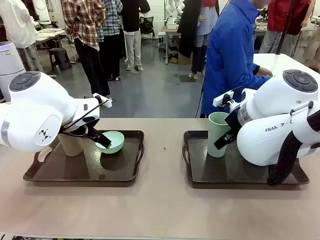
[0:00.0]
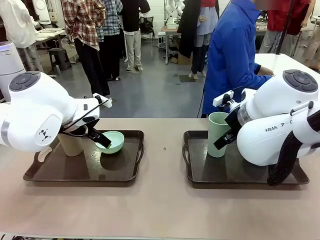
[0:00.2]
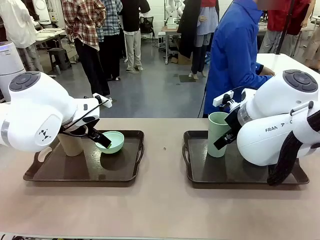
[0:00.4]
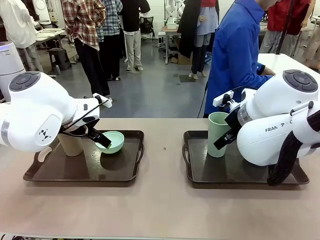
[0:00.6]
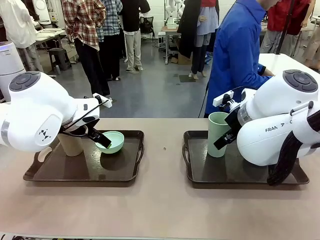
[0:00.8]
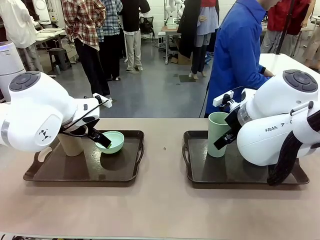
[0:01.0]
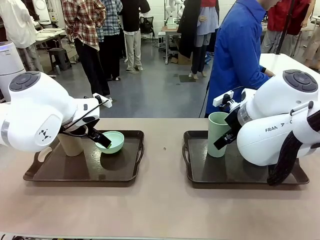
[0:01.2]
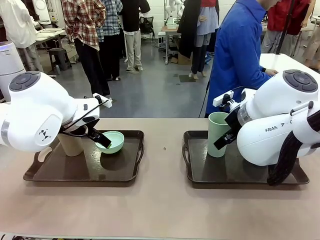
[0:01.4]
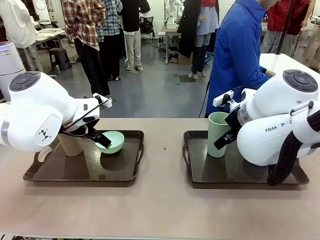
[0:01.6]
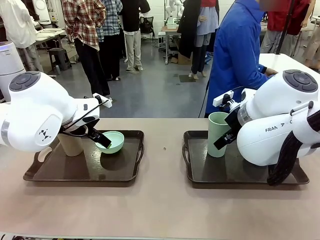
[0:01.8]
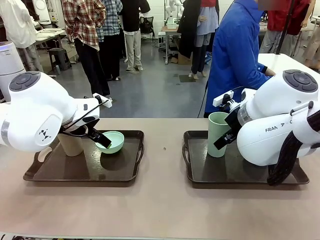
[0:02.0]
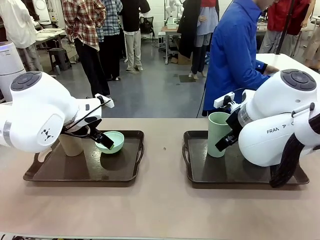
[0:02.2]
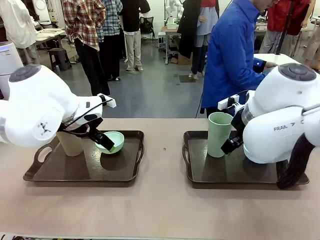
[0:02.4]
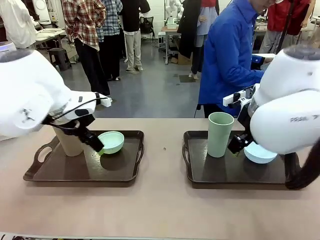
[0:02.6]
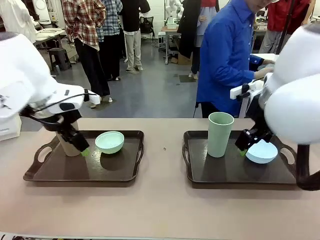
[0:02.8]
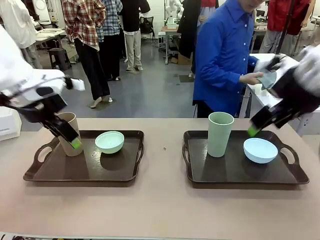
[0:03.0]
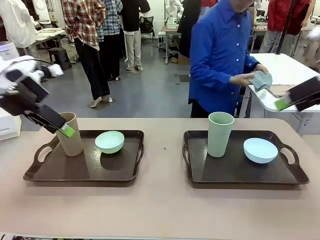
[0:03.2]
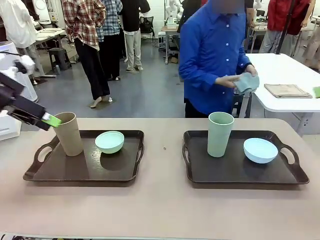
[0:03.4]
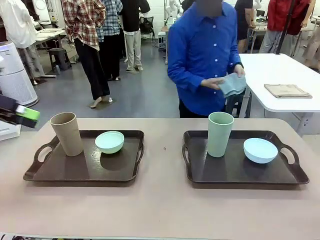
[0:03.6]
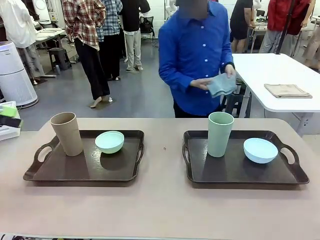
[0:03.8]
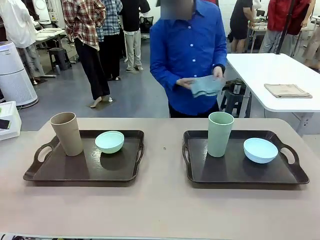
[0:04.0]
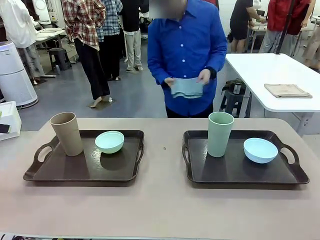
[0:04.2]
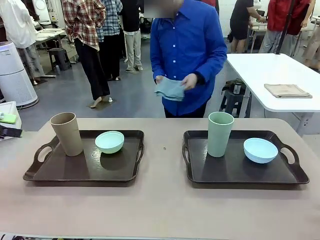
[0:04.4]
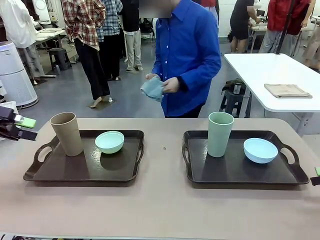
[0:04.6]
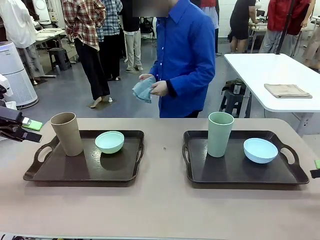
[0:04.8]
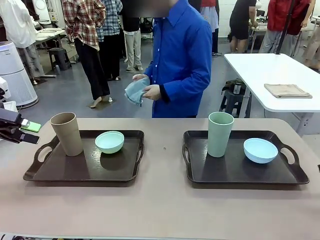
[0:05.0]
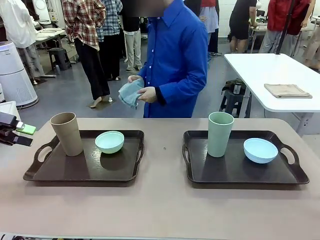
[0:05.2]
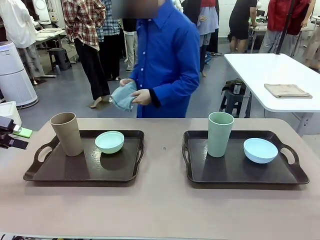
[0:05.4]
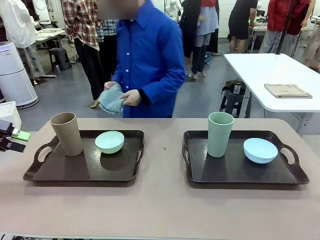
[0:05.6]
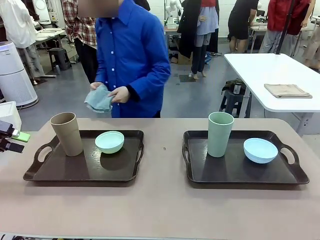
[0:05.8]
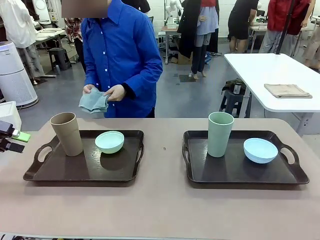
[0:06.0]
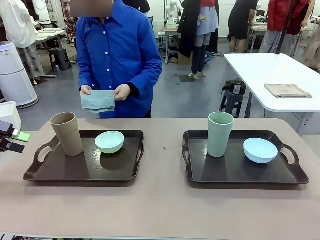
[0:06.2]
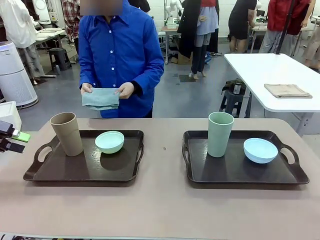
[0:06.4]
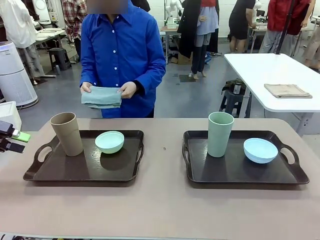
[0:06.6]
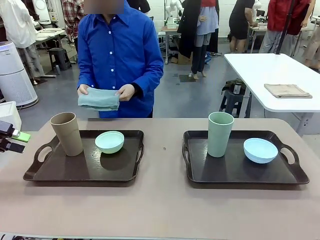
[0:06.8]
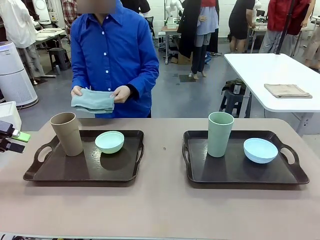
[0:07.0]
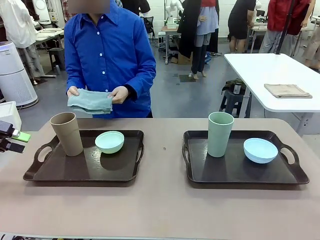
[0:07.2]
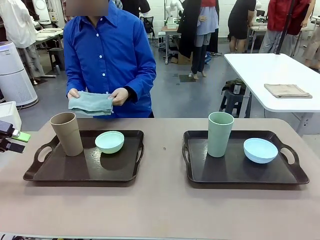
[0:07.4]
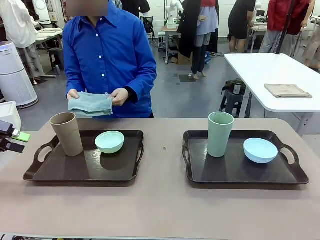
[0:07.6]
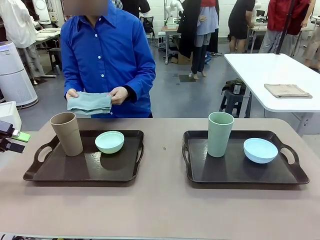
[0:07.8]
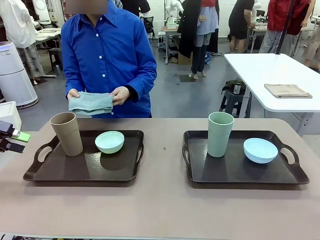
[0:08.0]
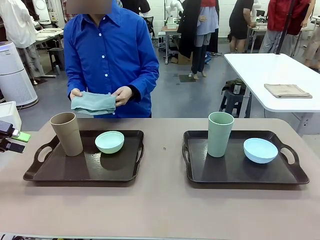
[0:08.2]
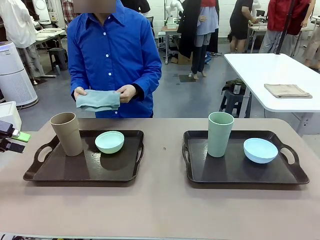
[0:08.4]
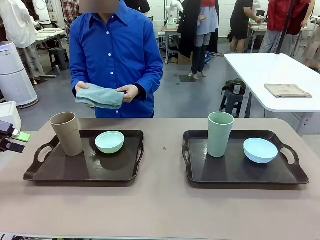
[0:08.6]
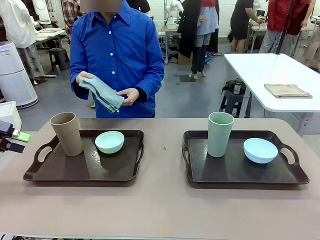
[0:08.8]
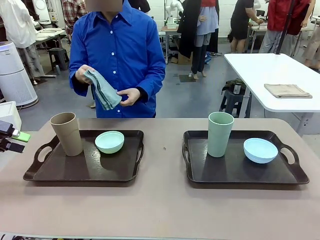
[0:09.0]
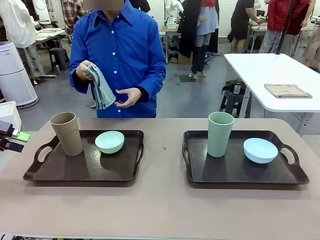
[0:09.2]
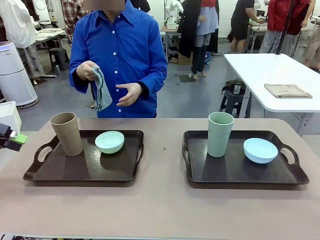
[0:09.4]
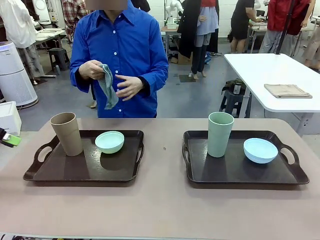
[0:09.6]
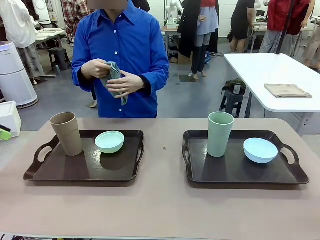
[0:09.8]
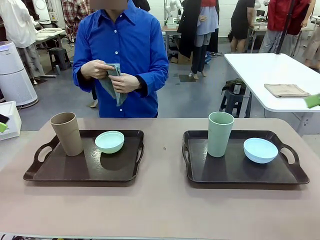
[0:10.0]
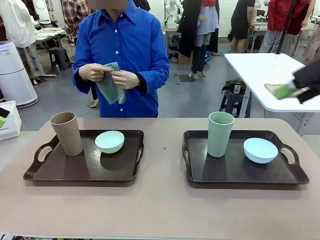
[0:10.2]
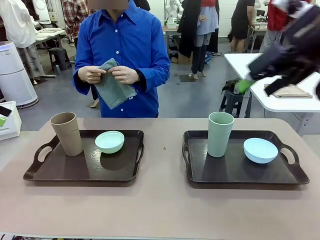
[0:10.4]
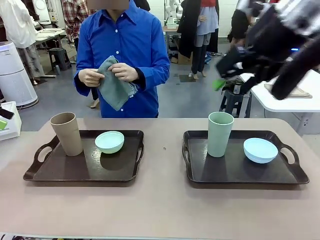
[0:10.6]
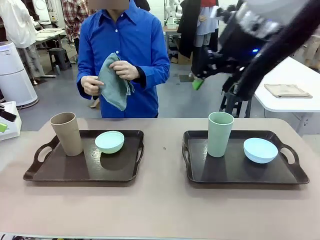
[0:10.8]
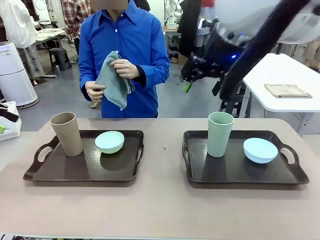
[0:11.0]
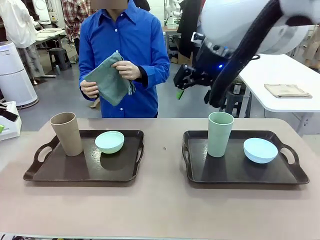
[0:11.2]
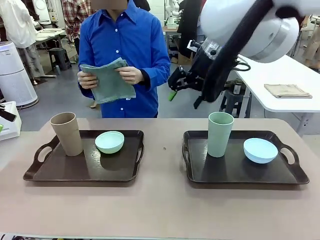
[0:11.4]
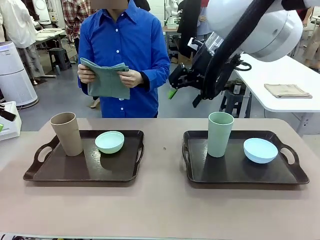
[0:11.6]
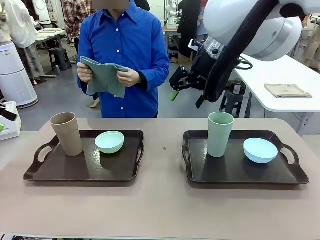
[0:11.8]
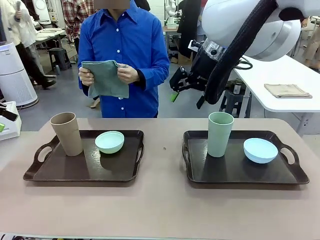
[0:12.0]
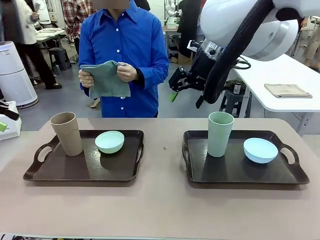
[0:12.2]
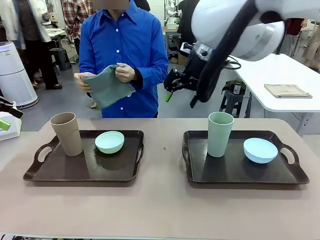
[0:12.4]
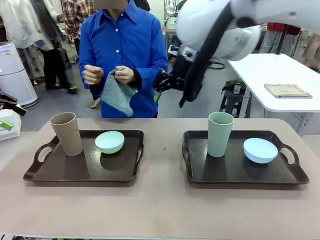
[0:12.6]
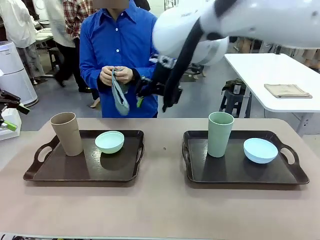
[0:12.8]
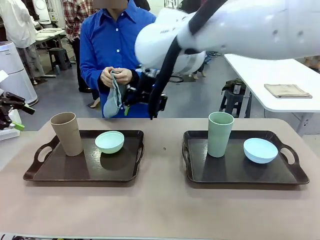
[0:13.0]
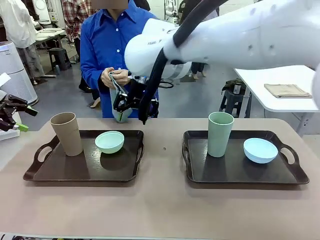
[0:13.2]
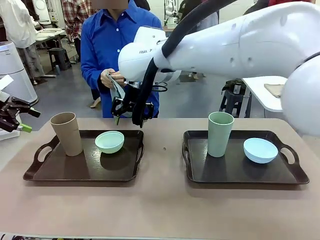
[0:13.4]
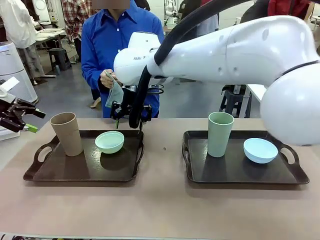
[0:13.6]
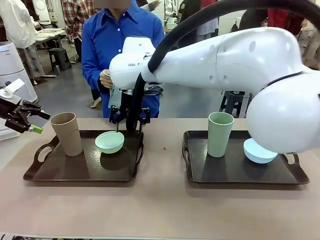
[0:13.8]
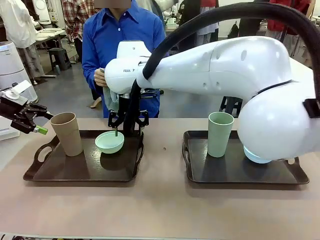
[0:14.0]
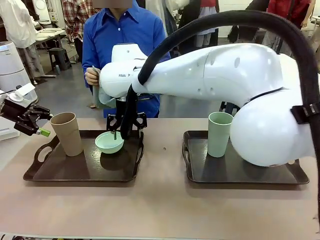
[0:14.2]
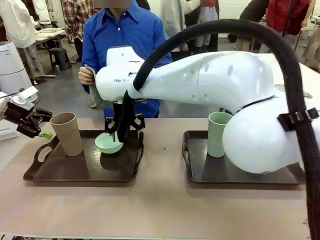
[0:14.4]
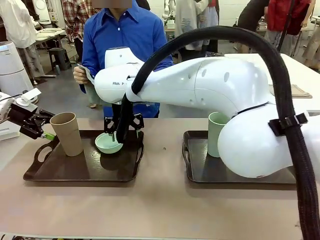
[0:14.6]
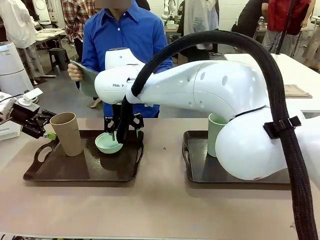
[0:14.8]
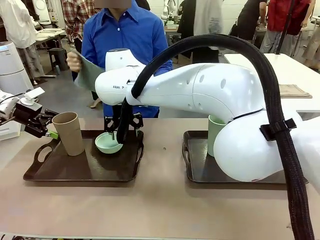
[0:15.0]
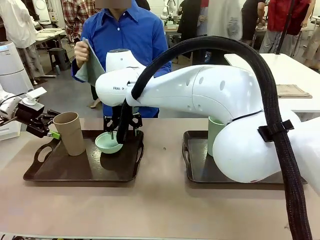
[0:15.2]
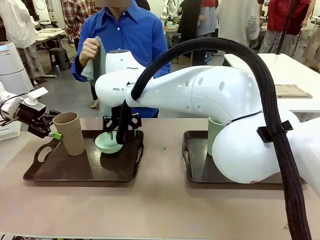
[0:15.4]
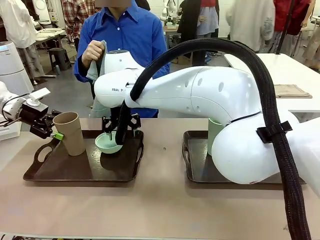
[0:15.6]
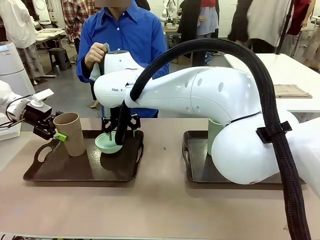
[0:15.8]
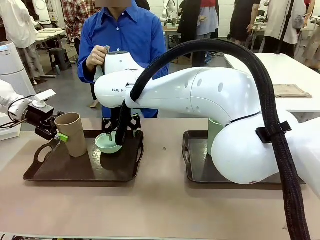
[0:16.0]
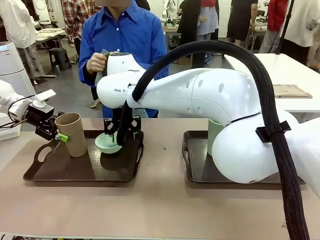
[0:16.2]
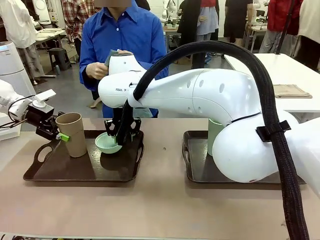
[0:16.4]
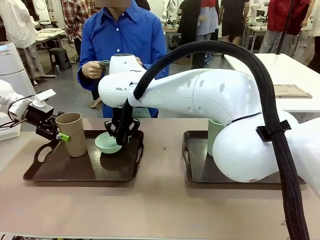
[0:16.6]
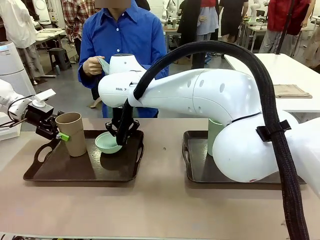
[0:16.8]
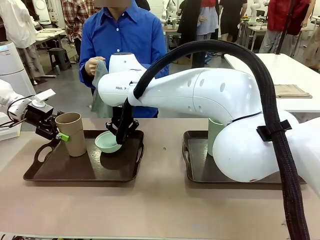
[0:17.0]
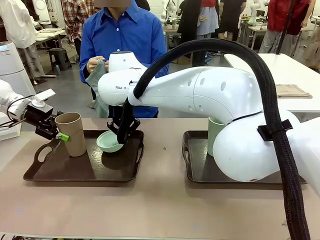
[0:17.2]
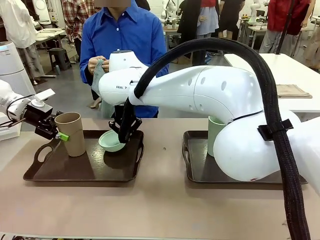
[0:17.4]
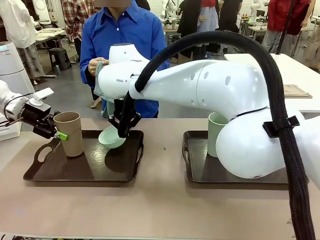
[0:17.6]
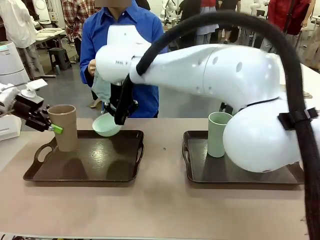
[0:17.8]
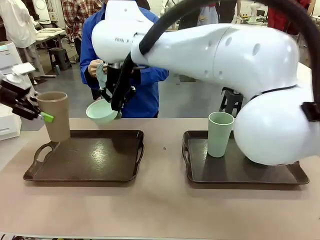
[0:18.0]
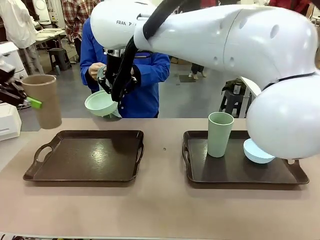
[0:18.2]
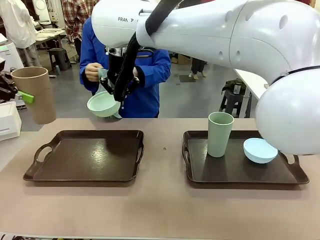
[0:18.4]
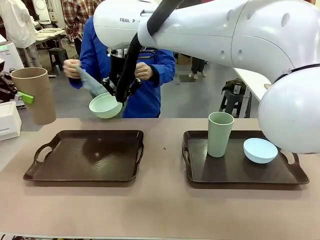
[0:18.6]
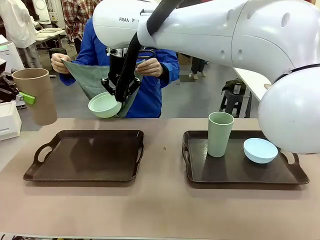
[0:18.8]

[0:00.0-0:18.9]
Robot: Pick up the Picnic Bowl and Reusable plastic cup from the Handle tray in front of the human's position and hold them in the air.
Person: The human picks up the top napkin from the stack on the human table and walks to the robot table to stand in front of one of the two trays. When the robot lifts the bowl and the cup, the human unfolds the napkin and lays the napkin flat on the tray.
